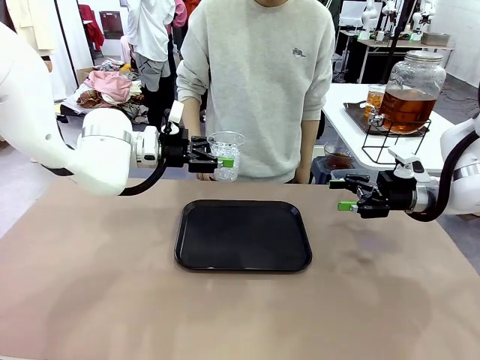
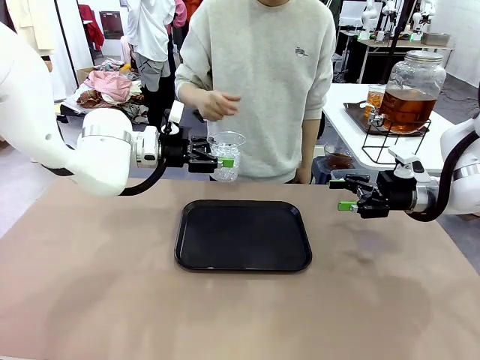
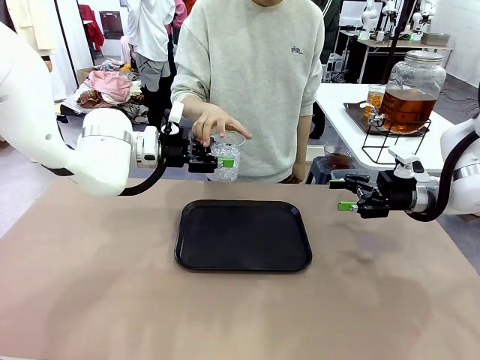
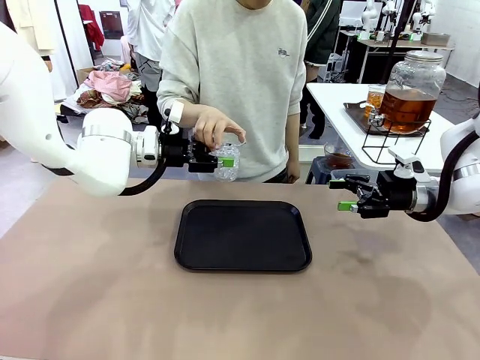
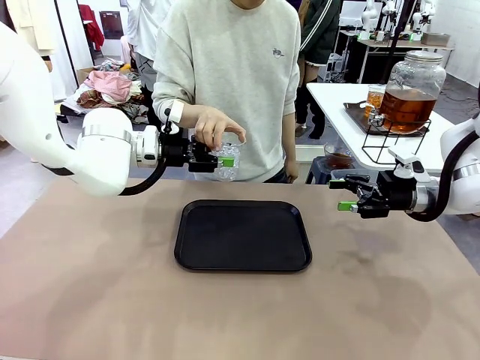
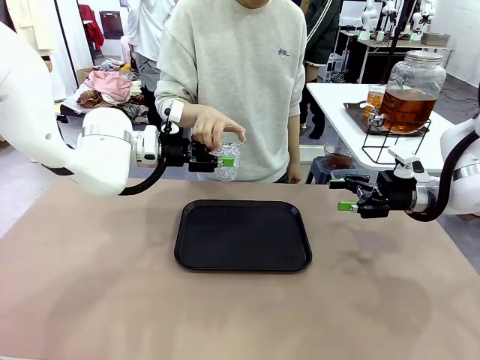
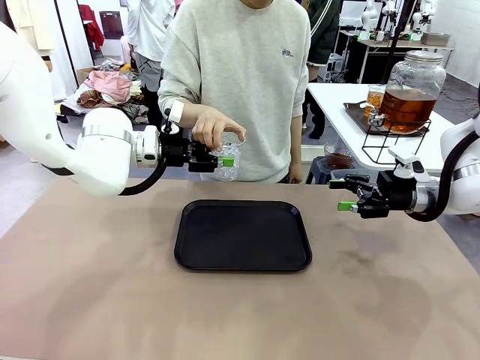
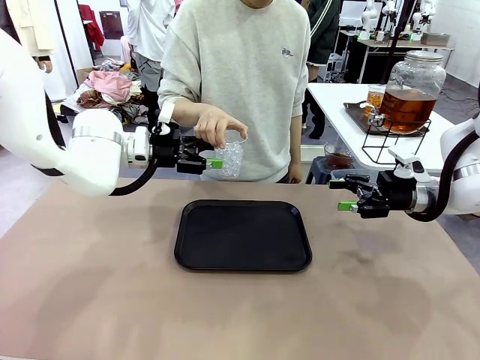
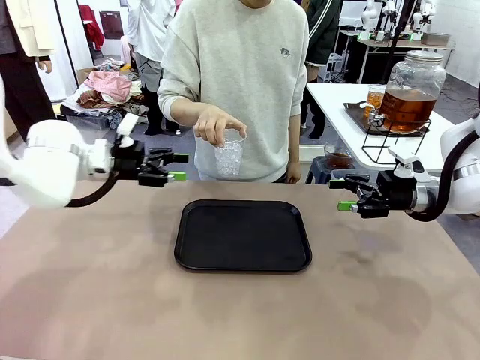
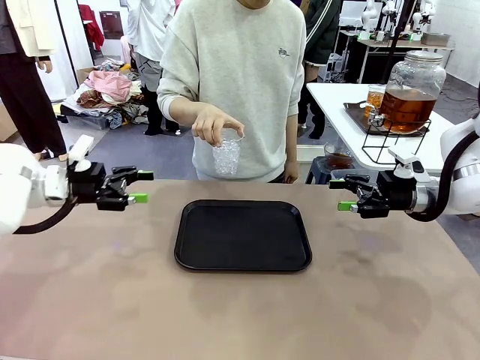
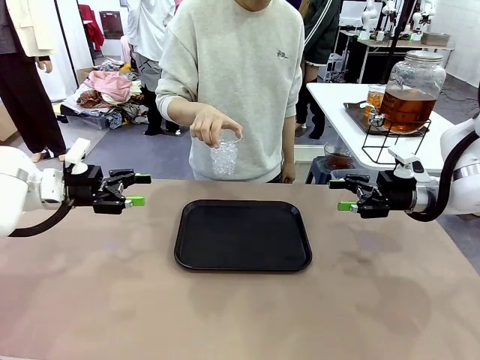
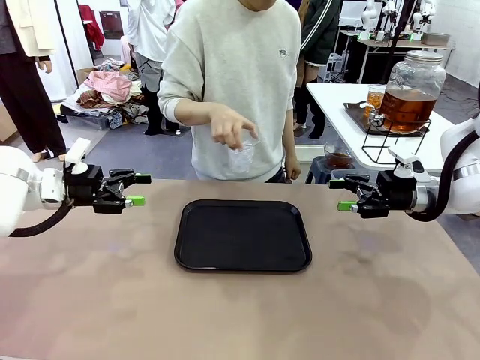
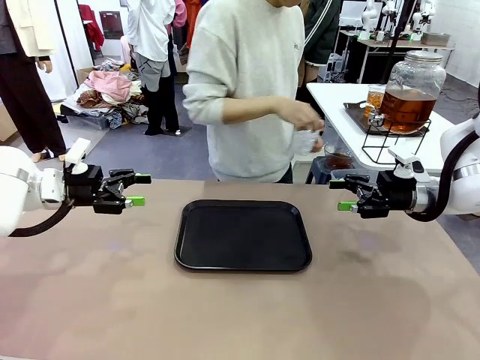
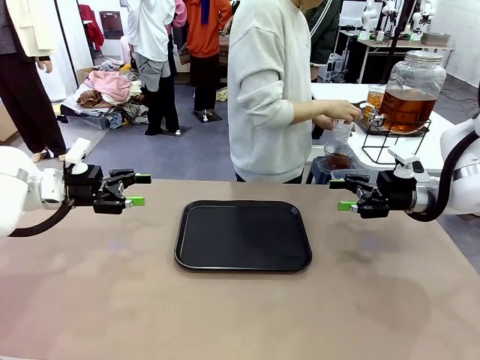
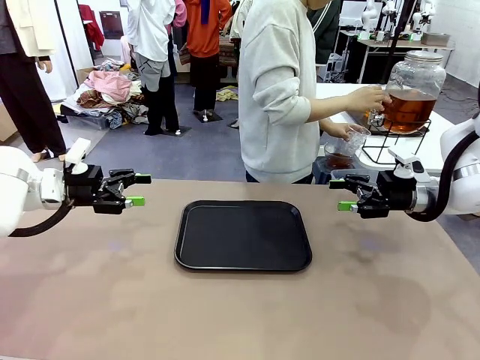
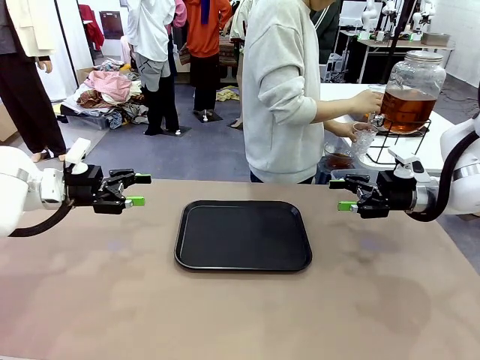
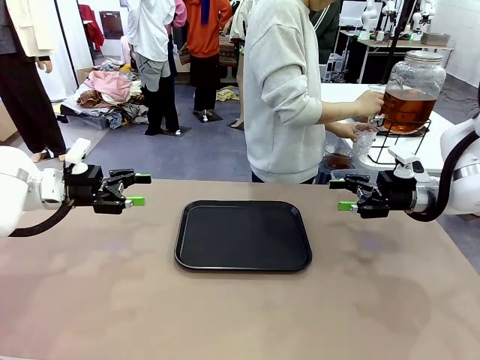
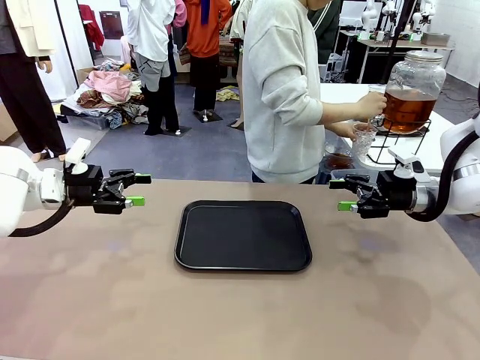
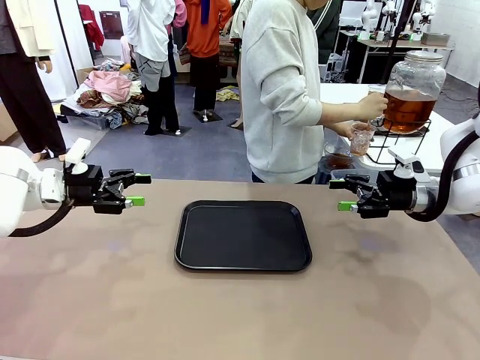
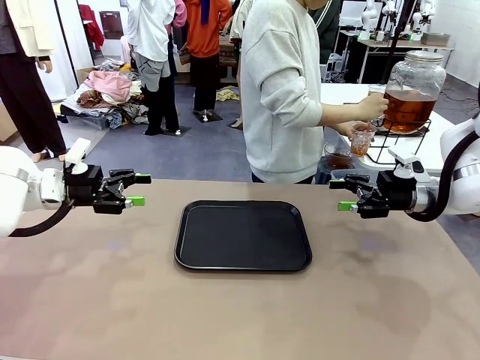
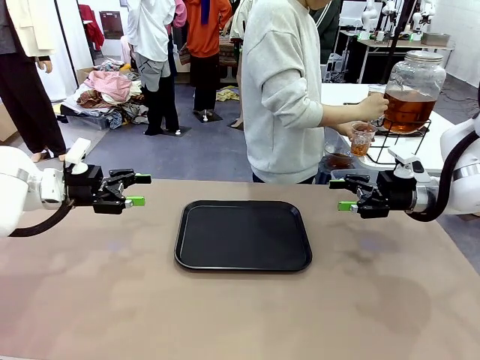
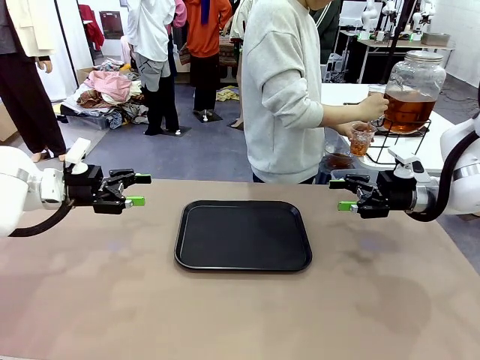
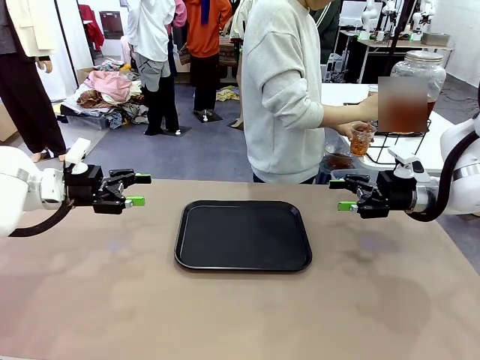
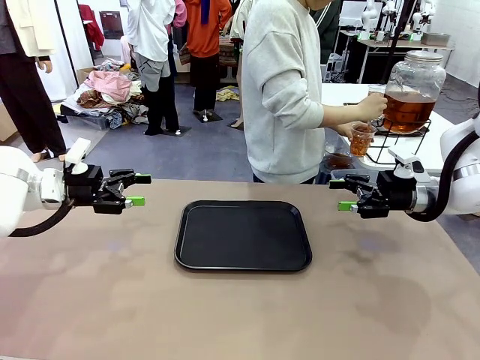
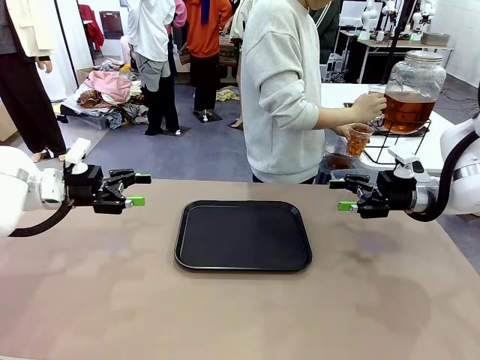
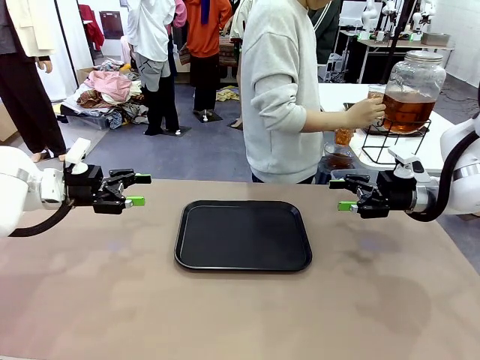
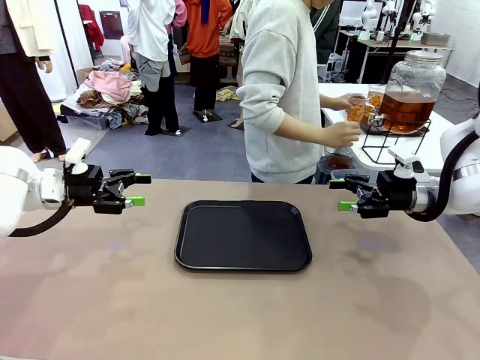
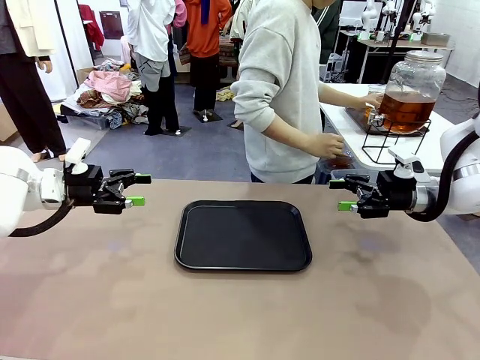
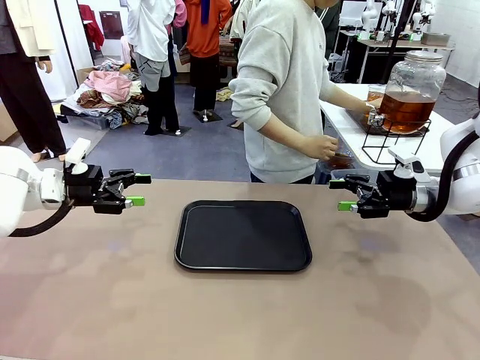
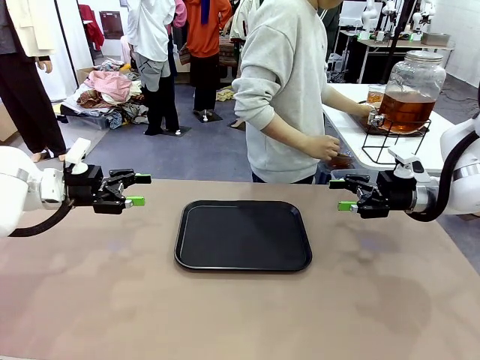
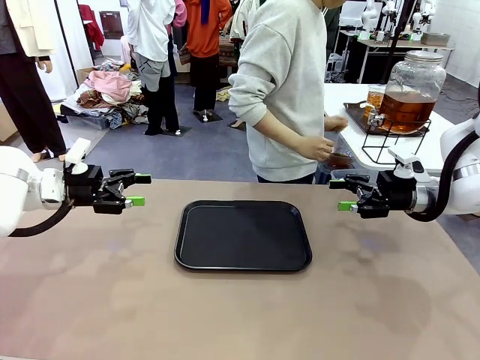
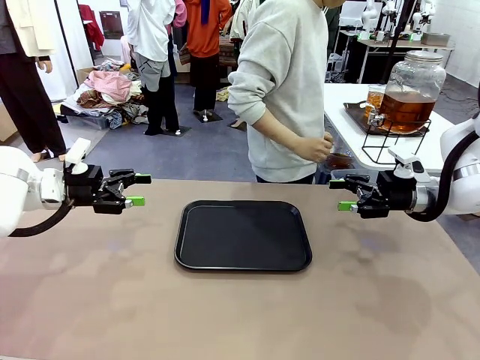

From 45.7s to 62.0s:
Task: Pour the drink into the iced cup.
Robot: Open the gripper to release the iced cup you were holding.
Person: Move the picked-up cup under the dispenser faucet, pour the drink, and place it on the tray on the human table.

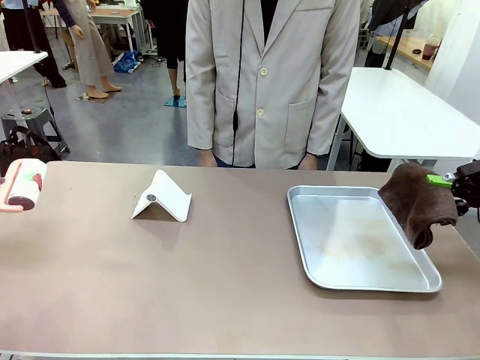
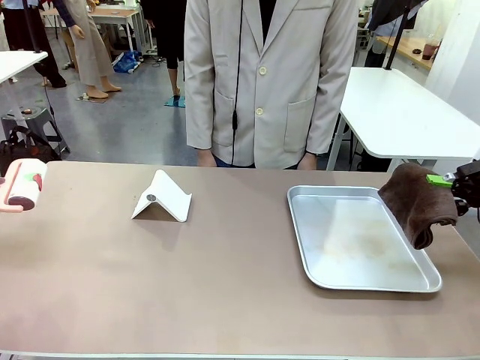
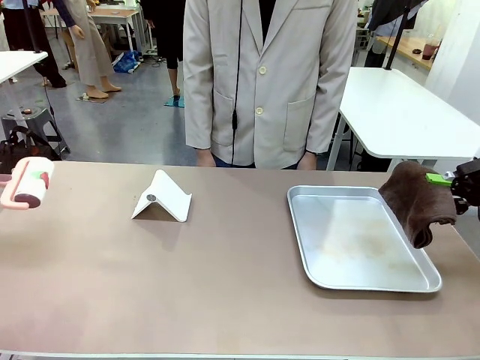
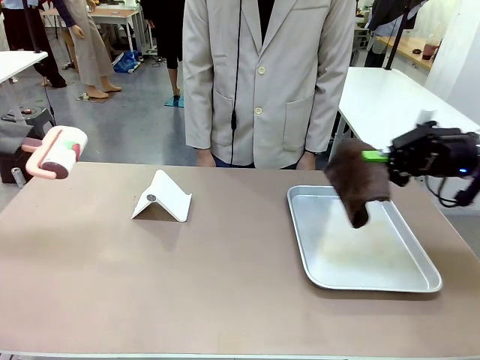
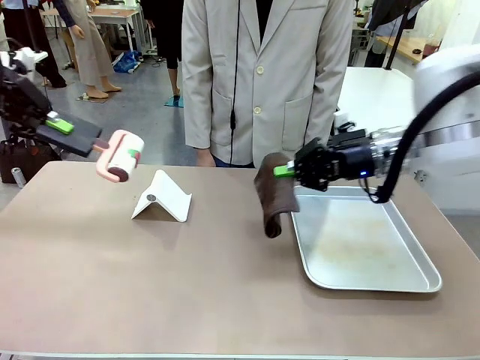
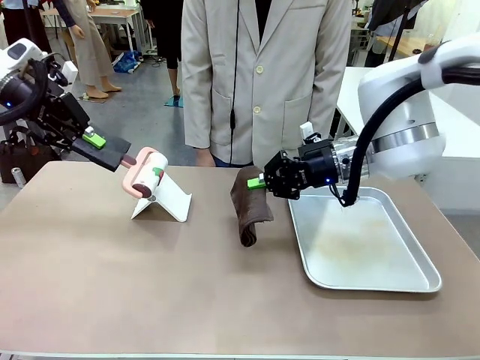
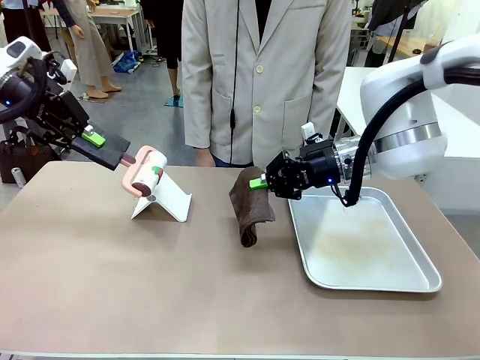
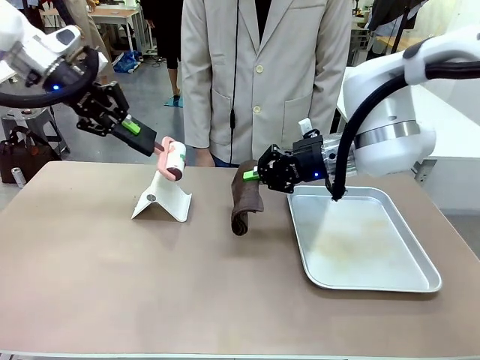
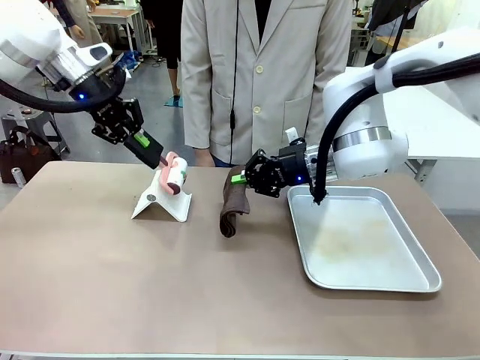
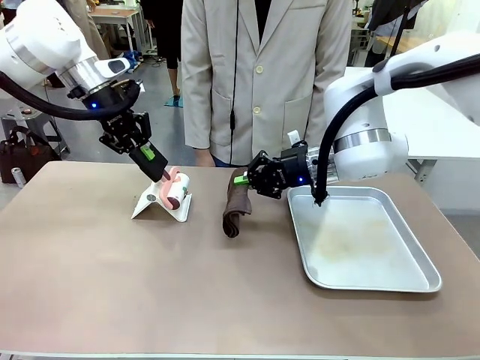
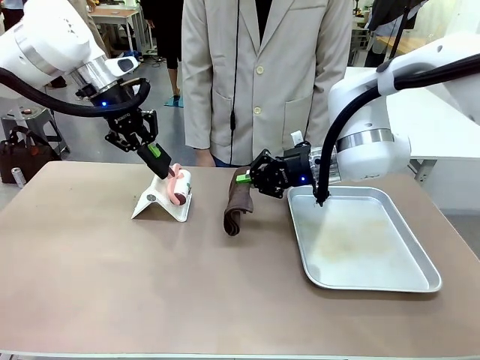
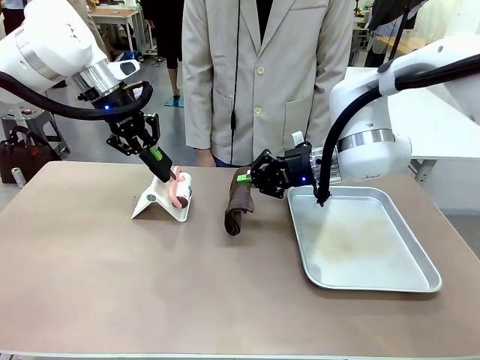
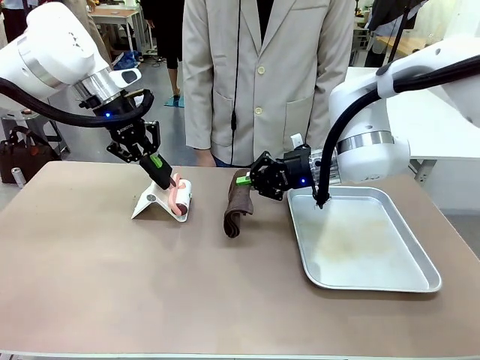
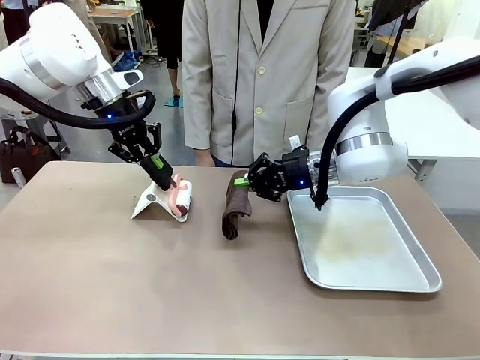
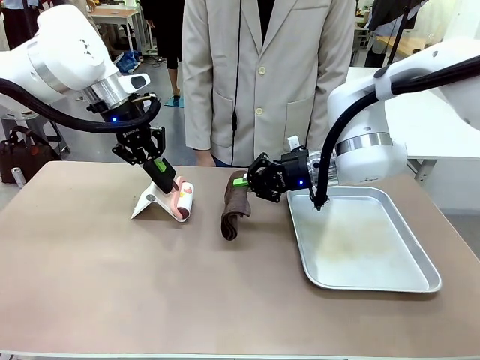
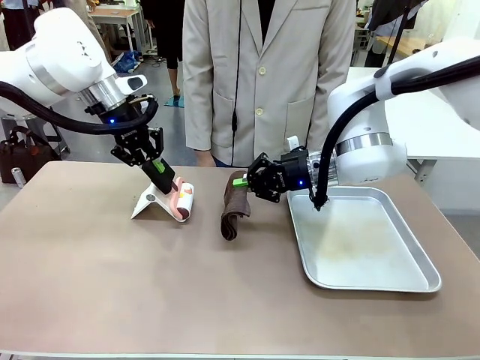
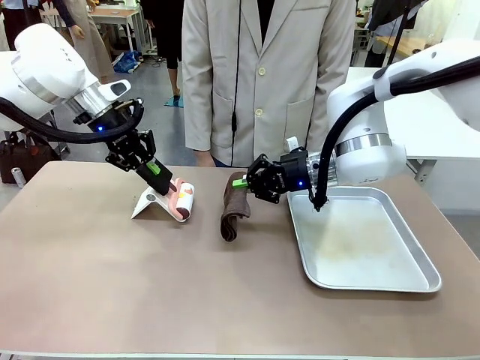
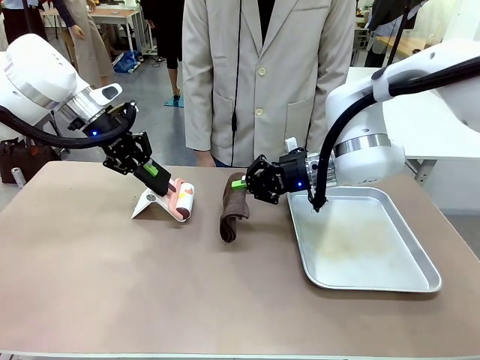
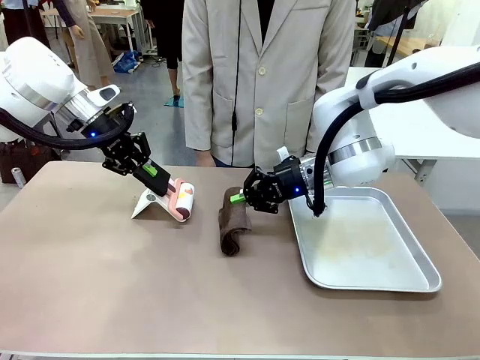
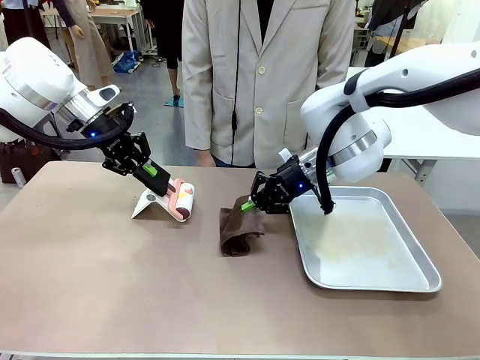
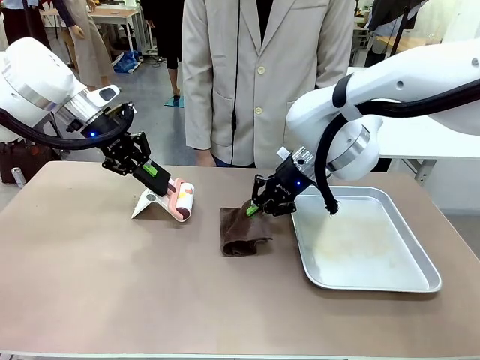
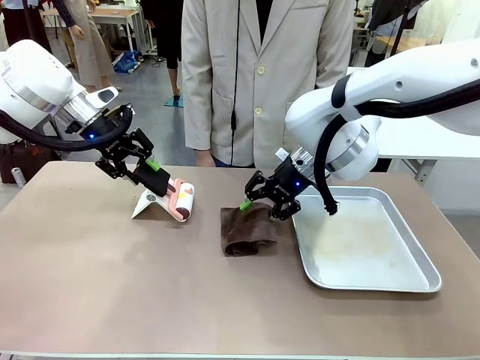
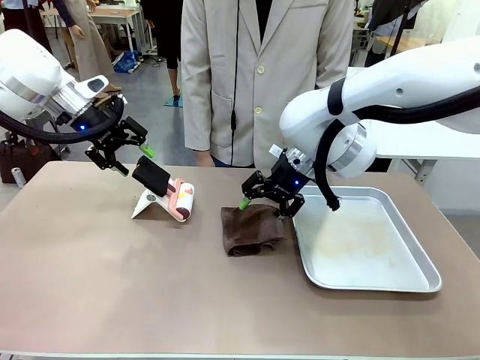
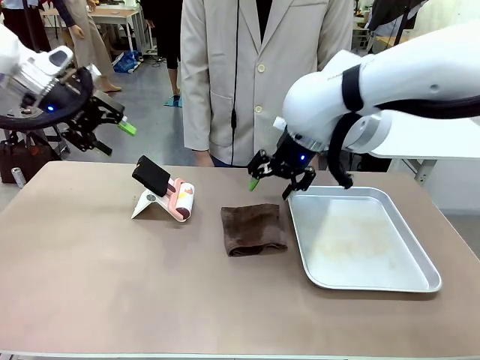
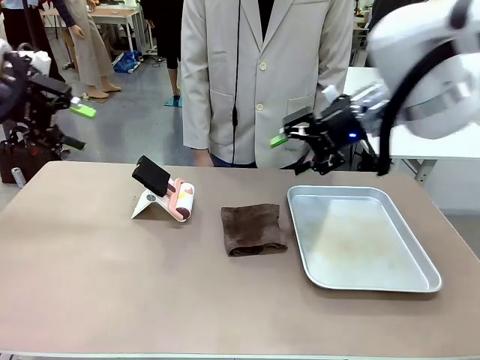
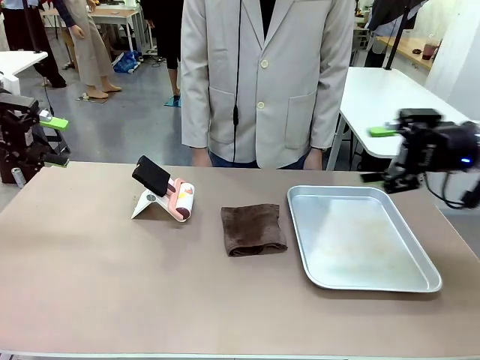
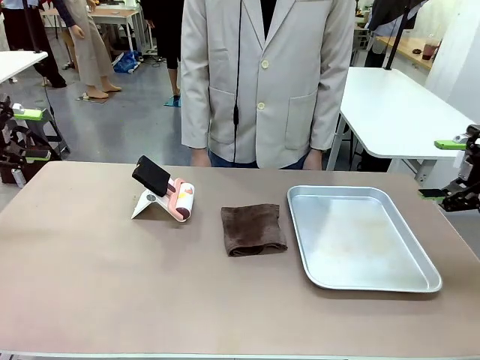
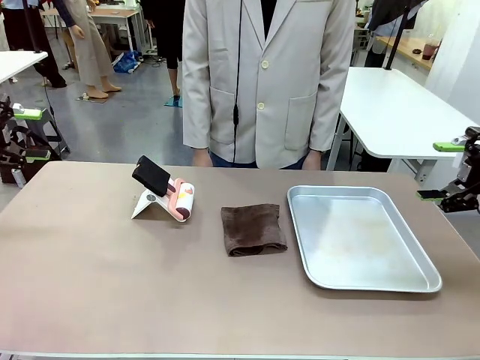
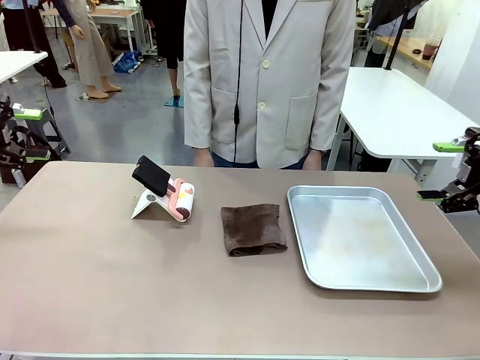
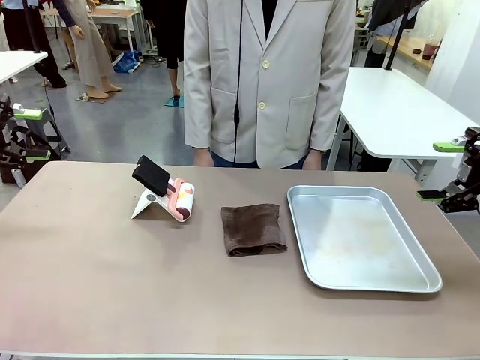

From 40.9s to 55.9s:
Task: Clean the surface of the table.
Robot: Return the Lint Roller and towel to their original positions.
